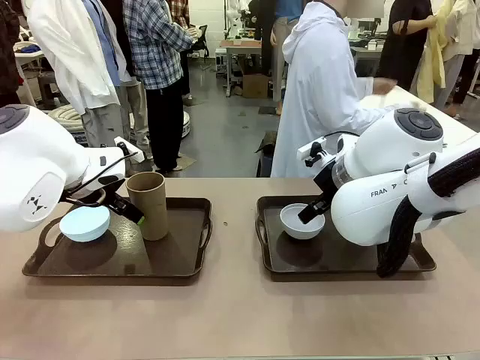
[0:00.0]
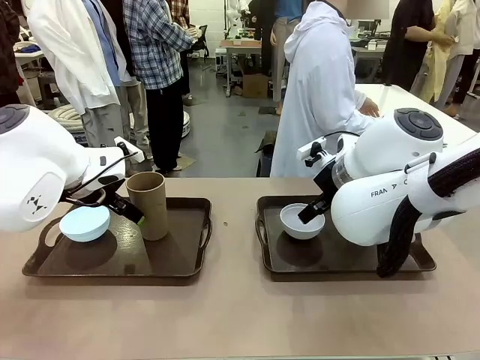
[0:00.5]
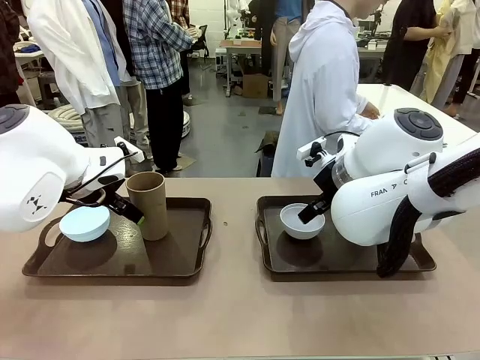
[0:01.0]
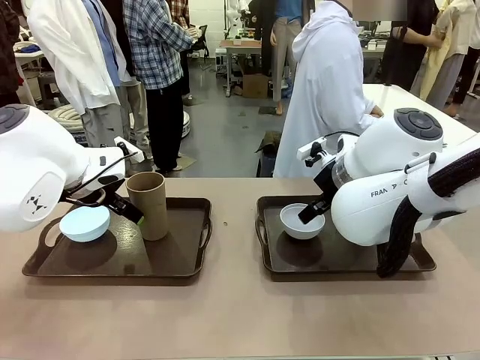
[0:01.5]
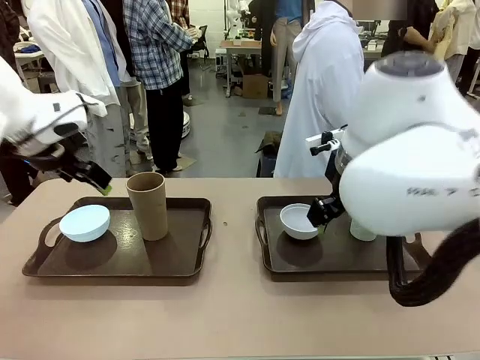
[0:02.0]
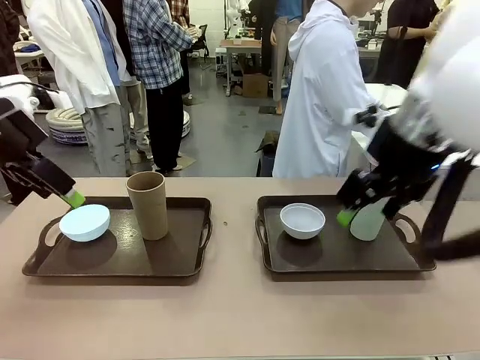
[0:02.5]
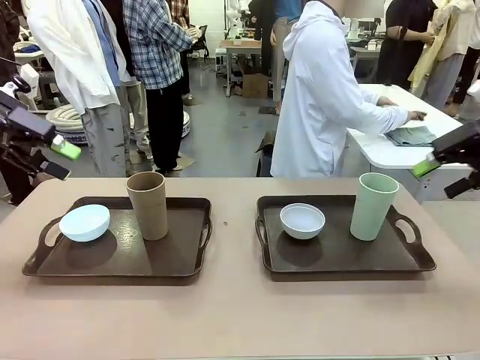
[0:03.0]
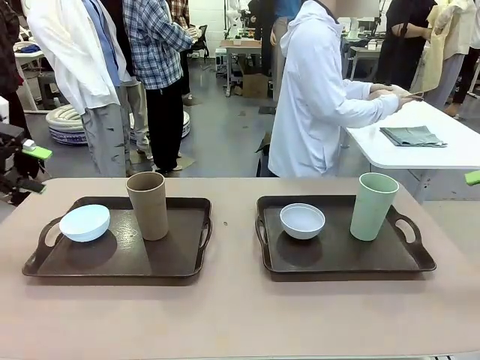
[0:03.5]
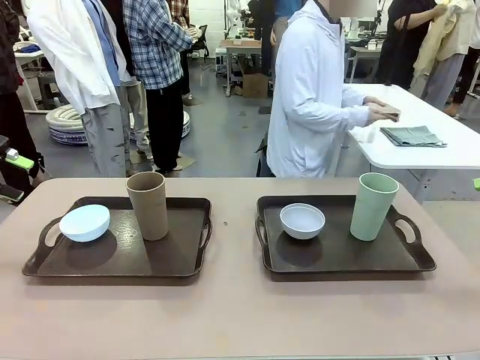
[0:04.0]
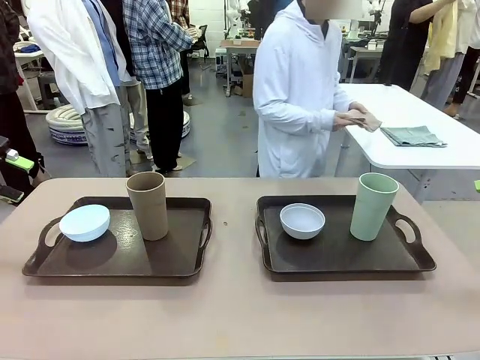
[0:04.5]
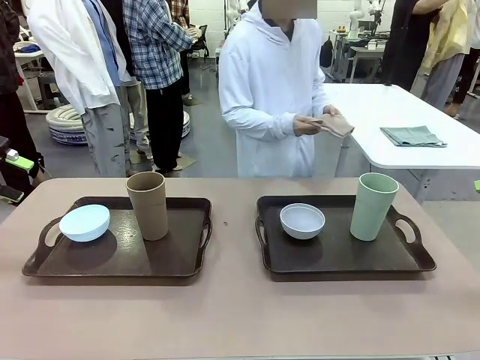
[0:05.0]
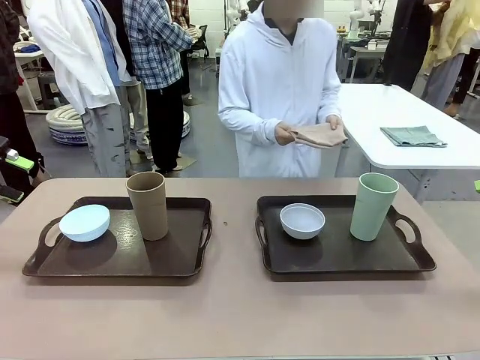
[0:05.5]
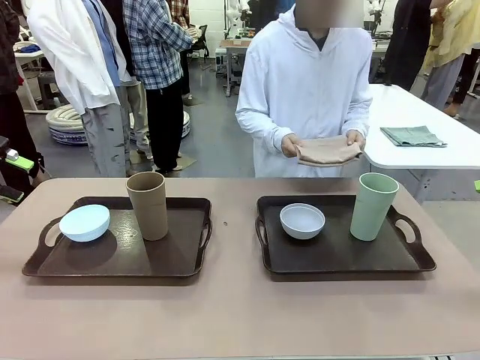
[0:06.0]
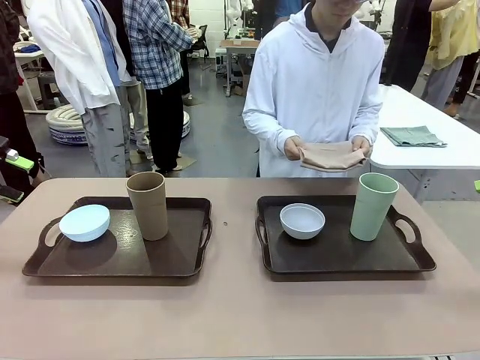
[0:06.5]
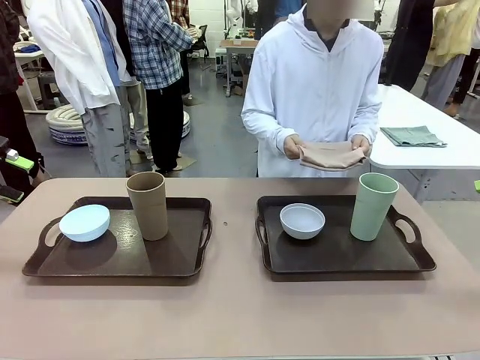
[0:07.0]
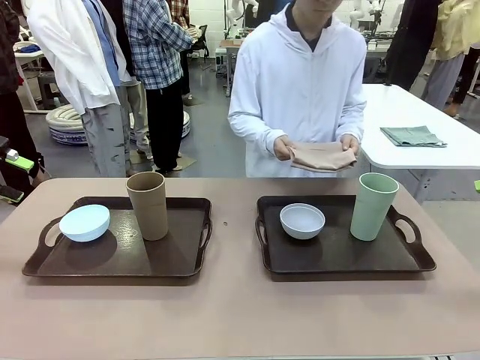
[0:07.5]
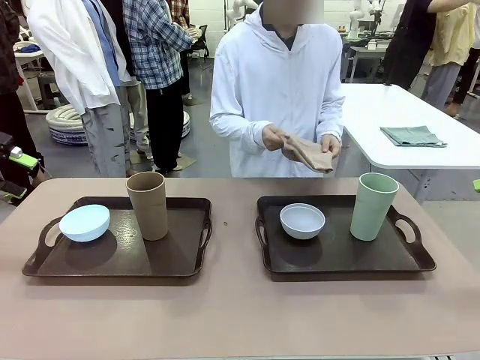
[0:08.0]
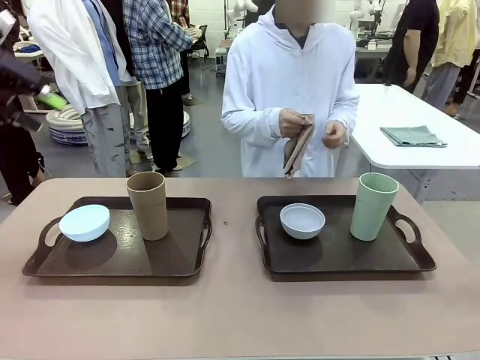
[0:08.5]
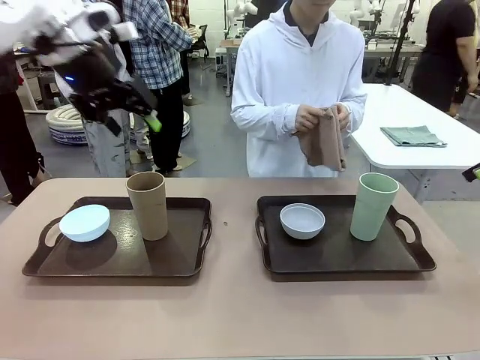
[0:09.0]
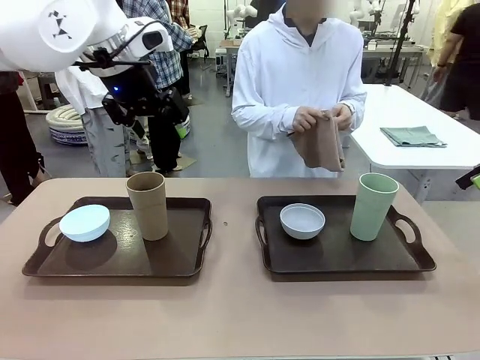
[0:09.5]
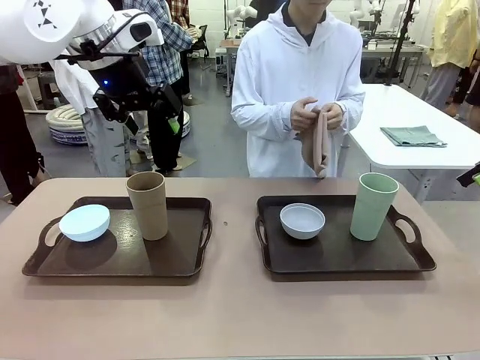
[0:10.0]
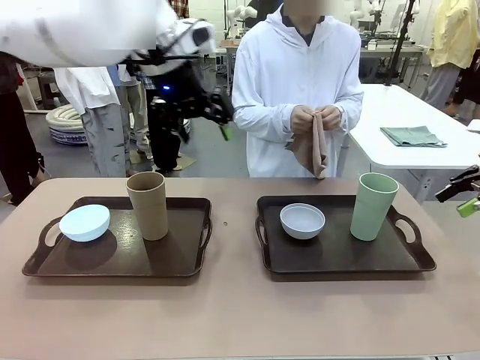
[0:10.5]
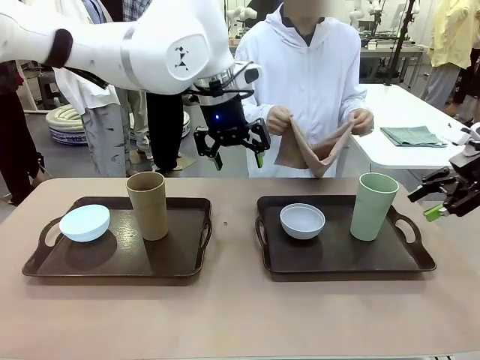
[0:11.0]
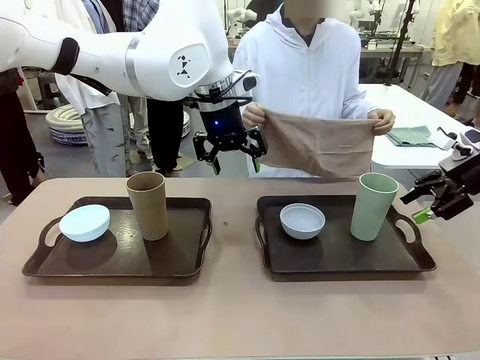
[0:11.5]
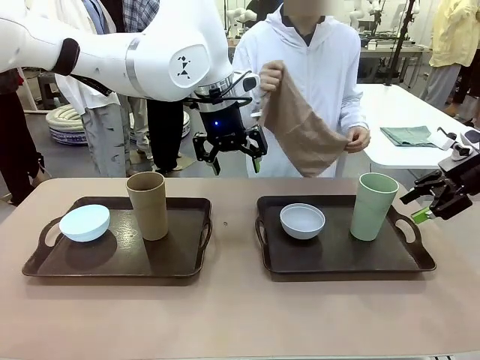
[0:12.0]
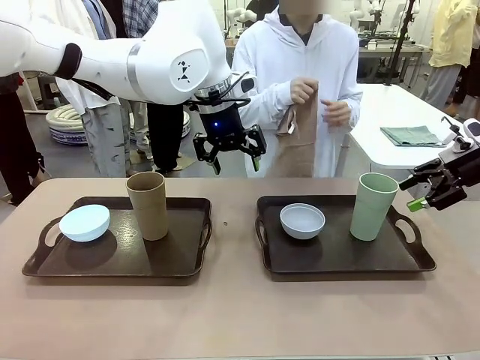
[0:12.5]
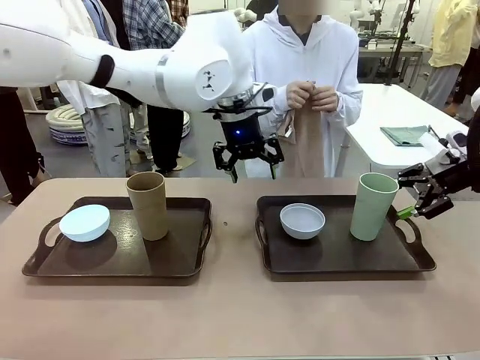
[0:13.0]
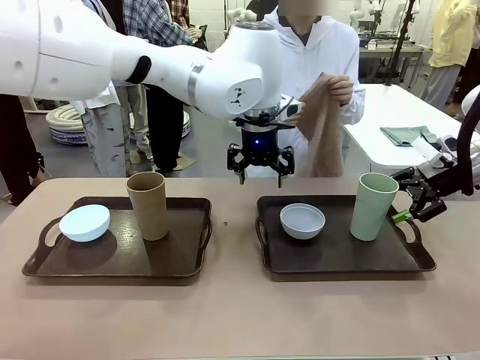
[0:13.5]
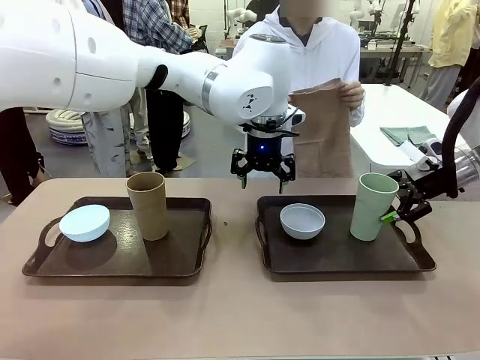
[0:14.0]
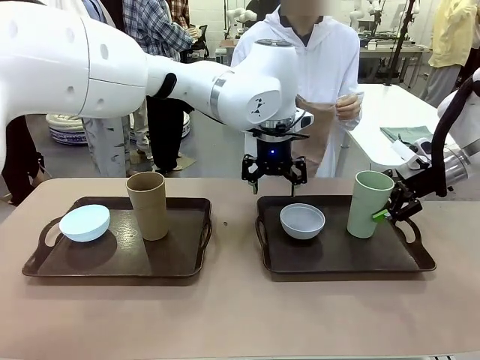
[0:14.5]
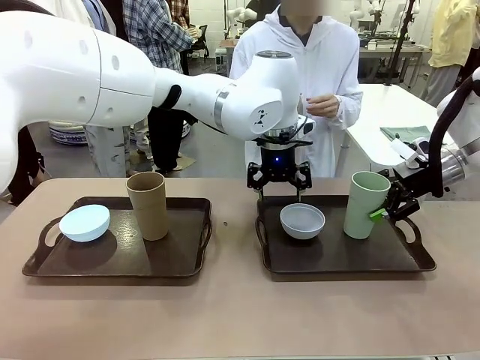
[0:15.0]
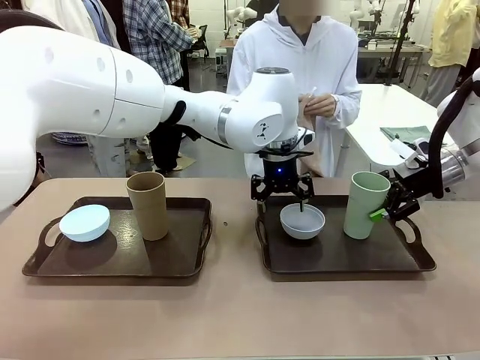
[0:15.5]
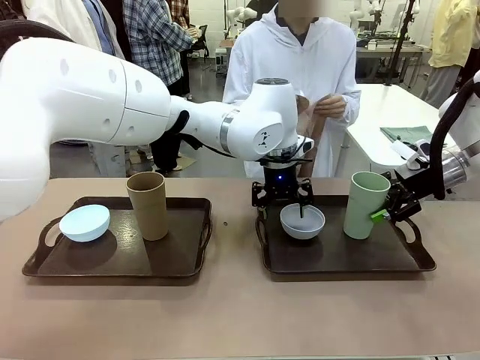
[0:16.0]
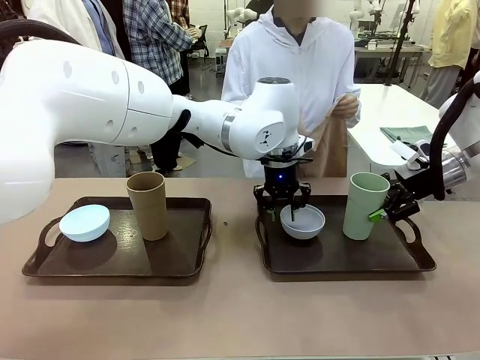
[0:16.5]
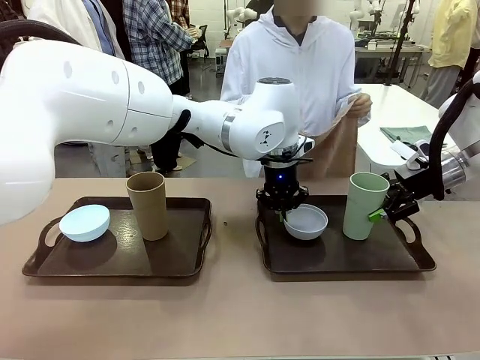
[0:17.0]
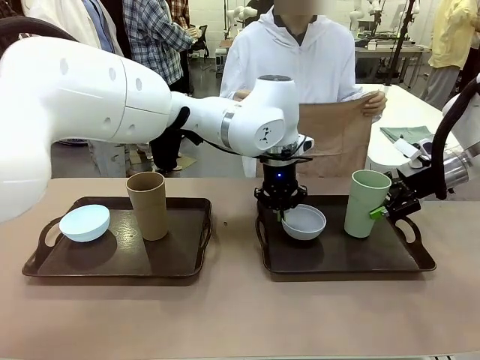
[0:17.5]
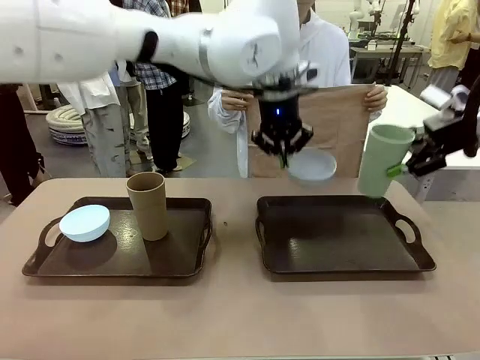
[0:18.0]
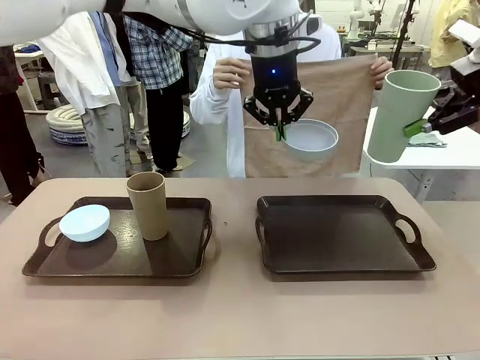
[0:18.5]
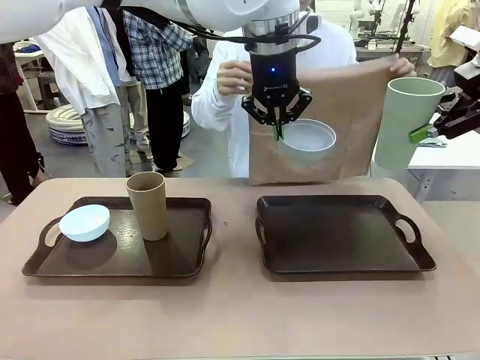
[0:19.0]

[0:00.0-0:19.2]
Robot: Pick up the Picnic Bowl and Reusable plastic cup from the Handle tray in front of the human's position and hold them in the air.
Person: The human picks up the top napkin from the stack on the human table and walks to the robot table to stand in front of one of the two trays. When the robot lifts the bowl and the cup, the human unfolds the napkin and lays the napkin flat on the tray.

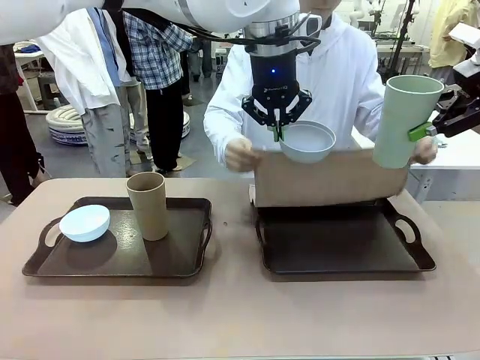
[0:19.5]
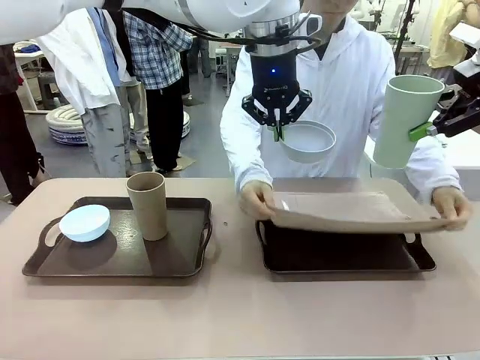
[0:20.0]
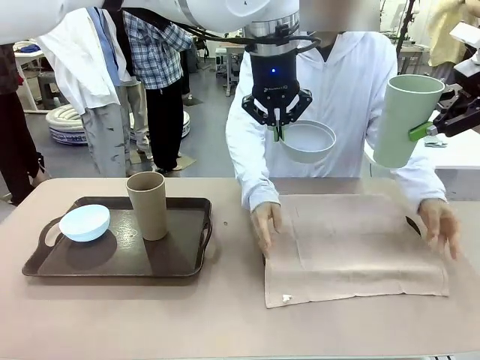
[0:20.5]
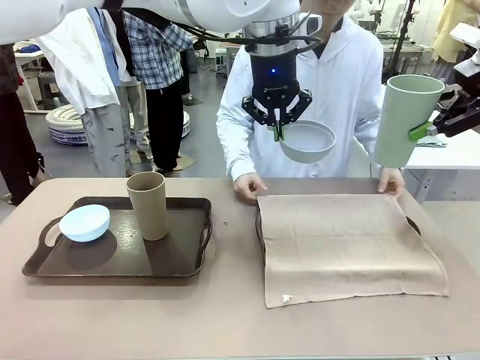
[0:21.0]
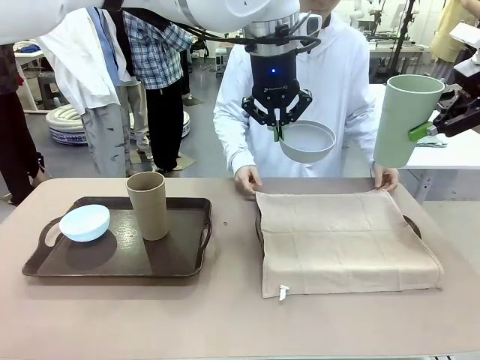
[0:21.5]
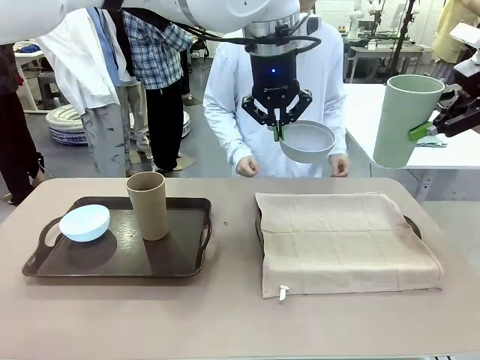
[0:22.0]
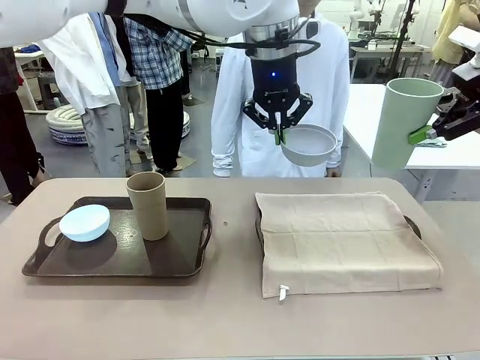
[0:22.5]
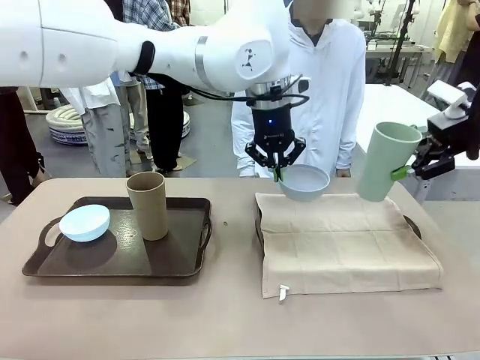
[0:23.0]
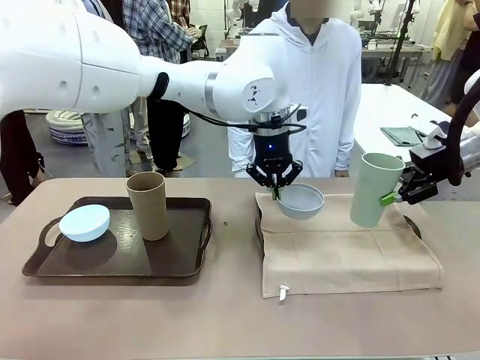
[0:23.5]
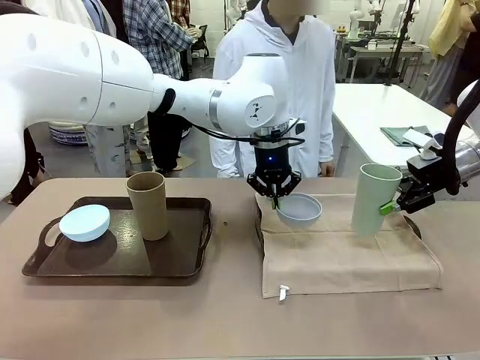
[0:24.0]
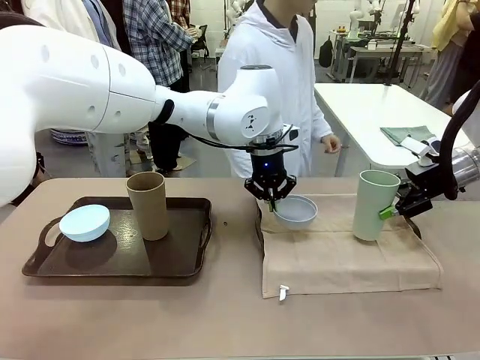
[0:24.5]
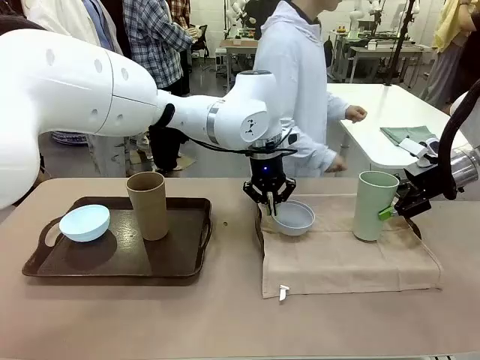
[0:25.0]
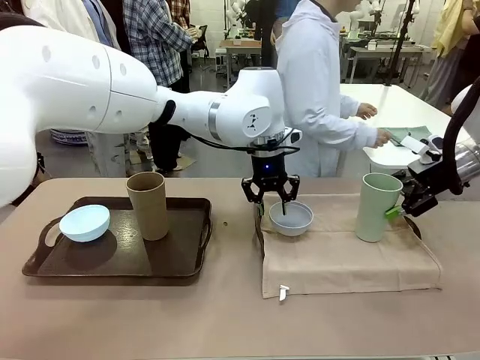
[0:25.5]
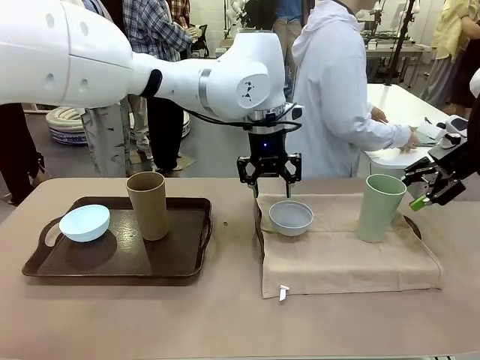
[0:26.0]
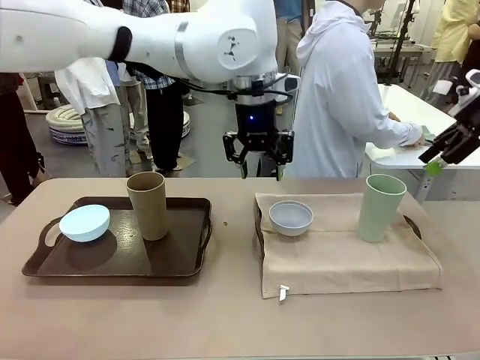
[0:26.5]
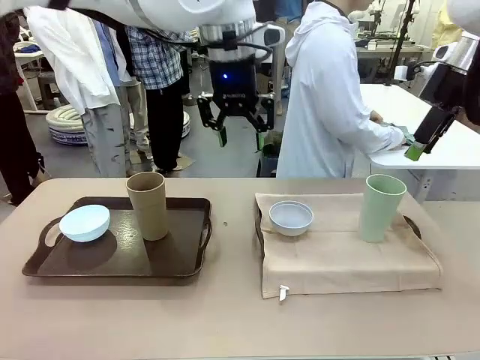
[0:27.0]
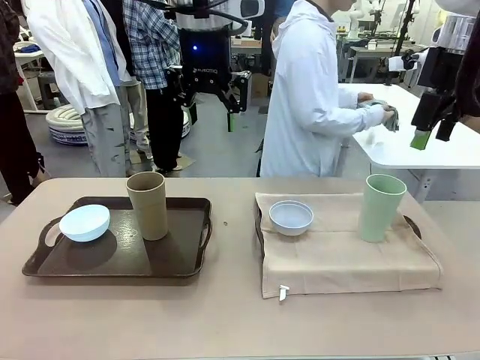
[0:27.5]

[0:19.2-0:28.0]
Robot: Place the Picnic Bowl and Reusable plastic cup back onto the Handle tray in front of the human's position.
Person: The human returns to the human table to pick up another napkin and walks to the robot table to stand in front of the tray without a napkin.
